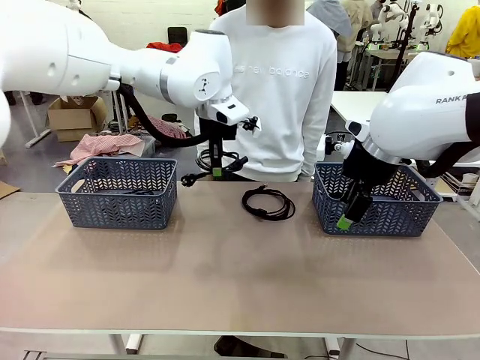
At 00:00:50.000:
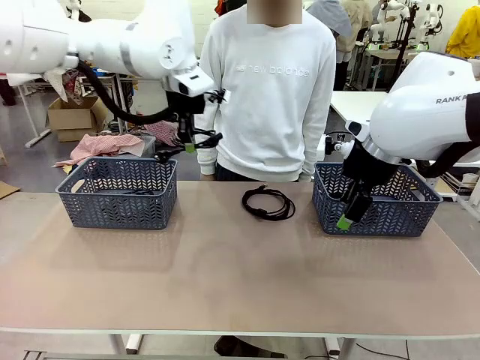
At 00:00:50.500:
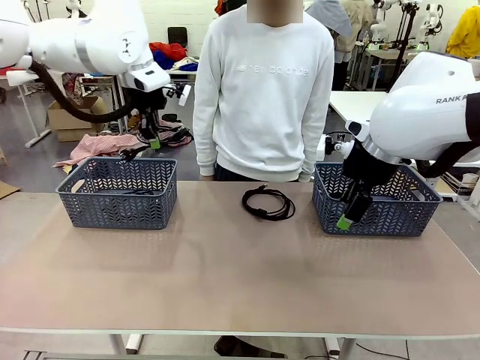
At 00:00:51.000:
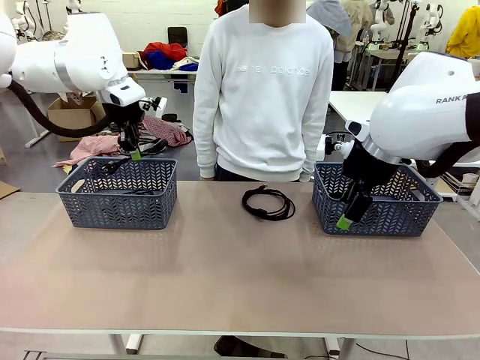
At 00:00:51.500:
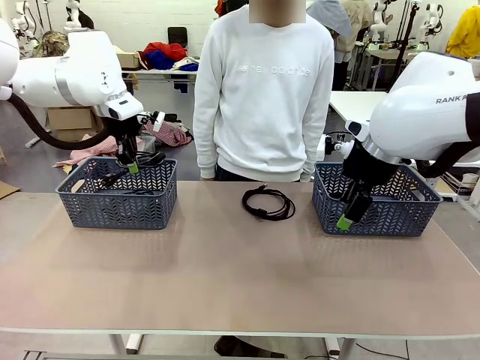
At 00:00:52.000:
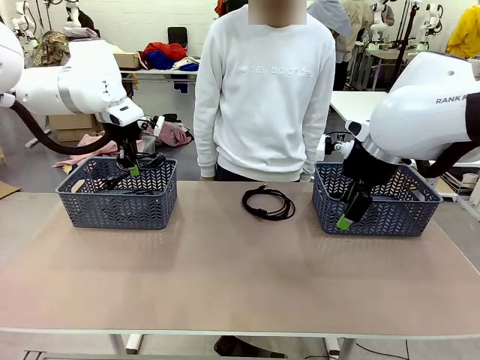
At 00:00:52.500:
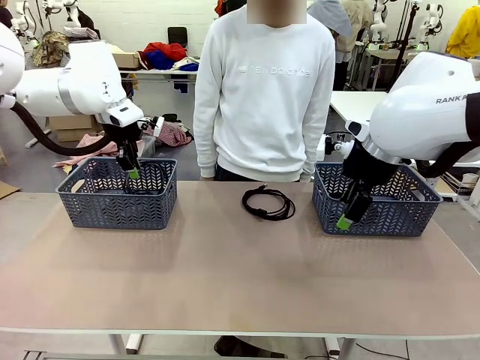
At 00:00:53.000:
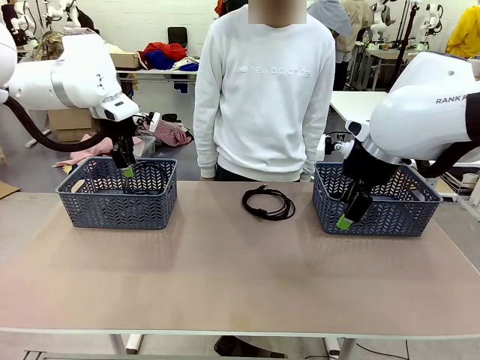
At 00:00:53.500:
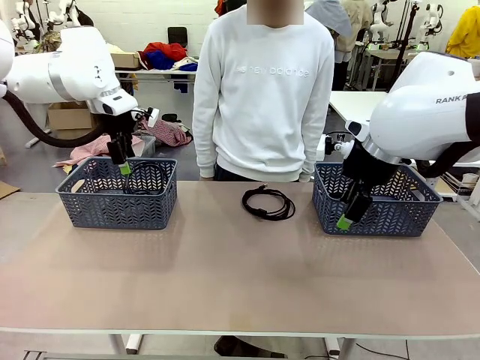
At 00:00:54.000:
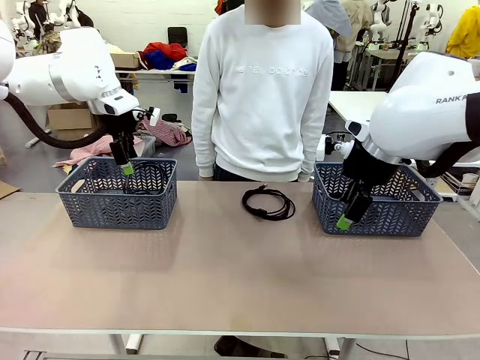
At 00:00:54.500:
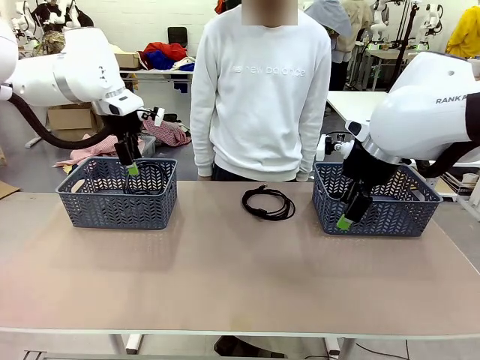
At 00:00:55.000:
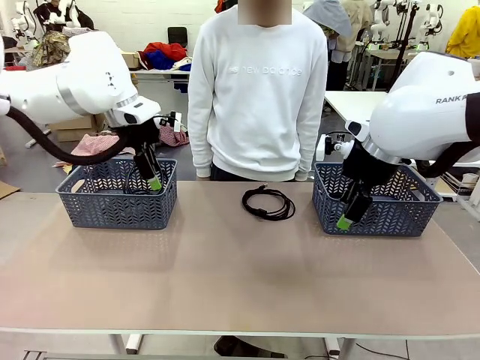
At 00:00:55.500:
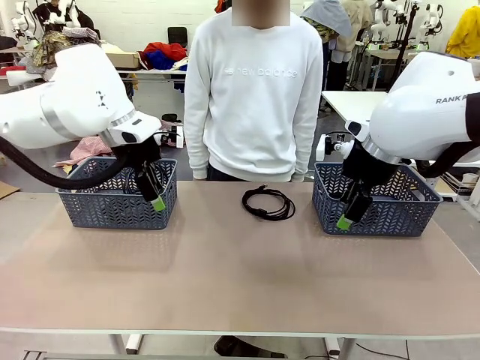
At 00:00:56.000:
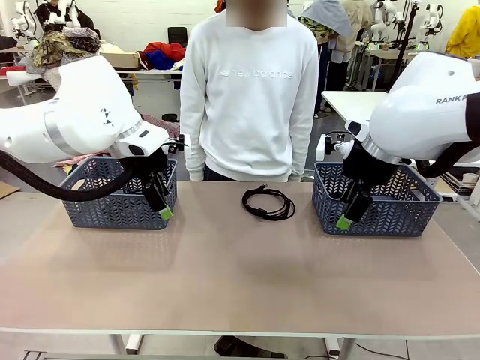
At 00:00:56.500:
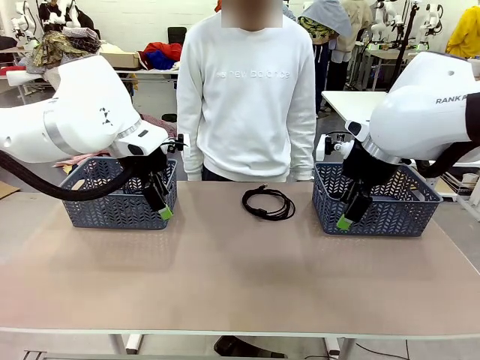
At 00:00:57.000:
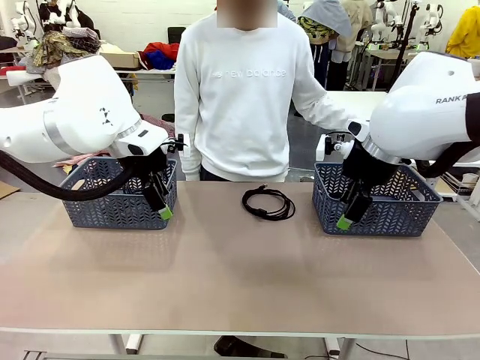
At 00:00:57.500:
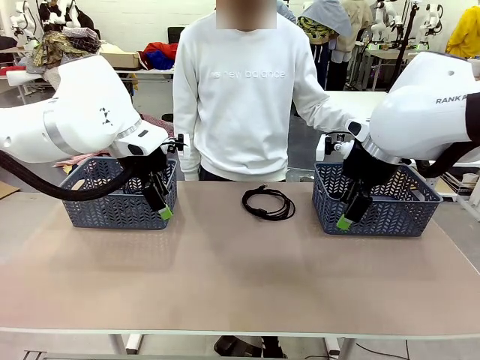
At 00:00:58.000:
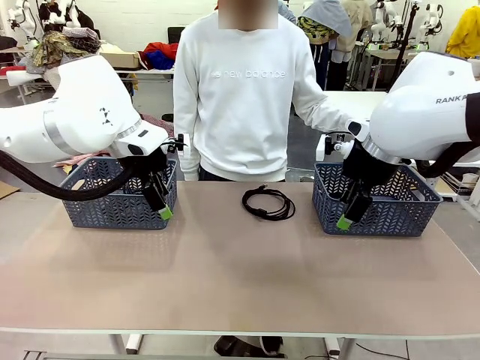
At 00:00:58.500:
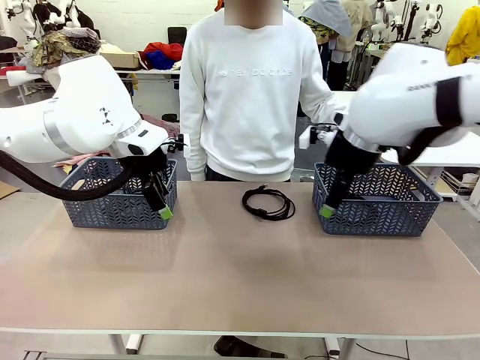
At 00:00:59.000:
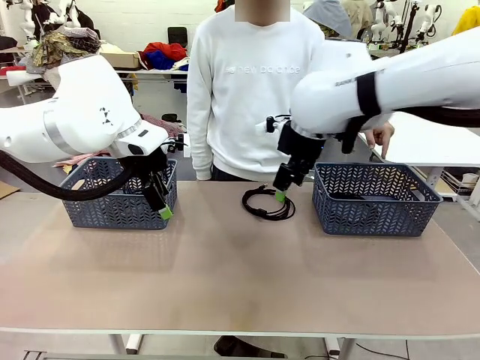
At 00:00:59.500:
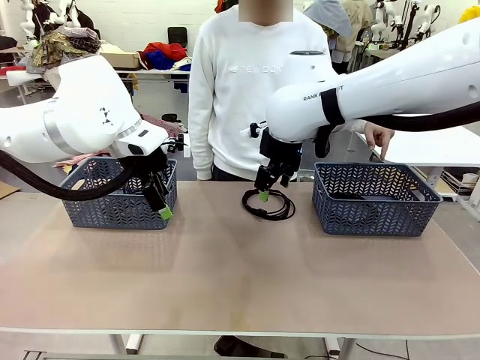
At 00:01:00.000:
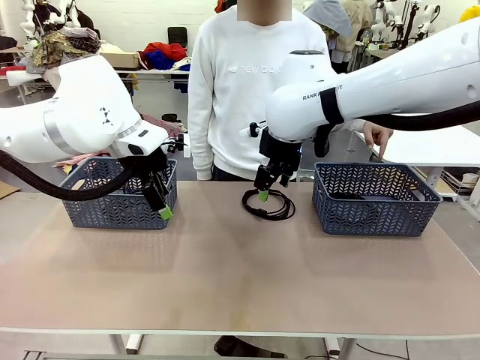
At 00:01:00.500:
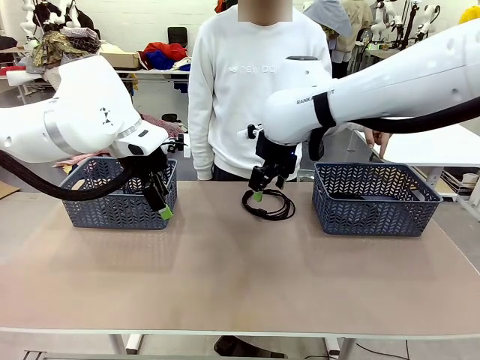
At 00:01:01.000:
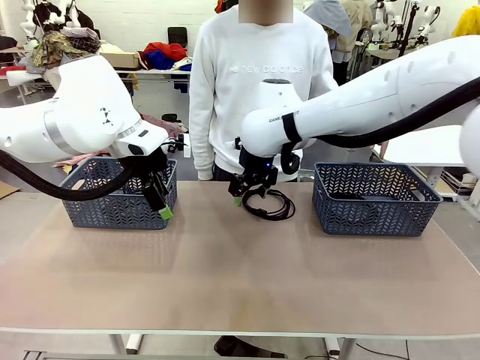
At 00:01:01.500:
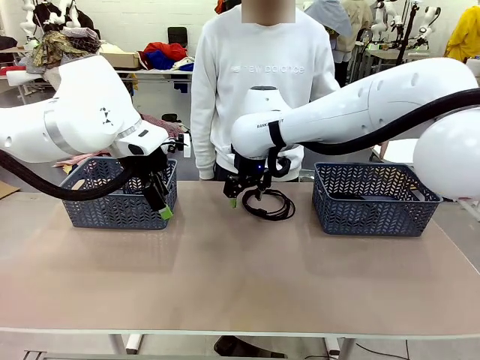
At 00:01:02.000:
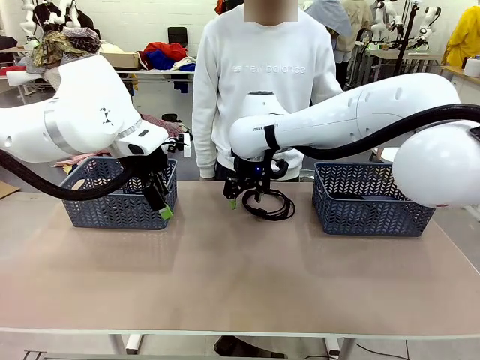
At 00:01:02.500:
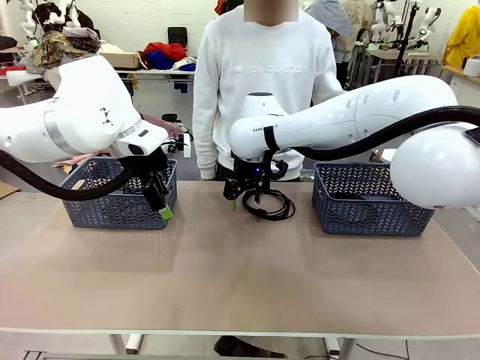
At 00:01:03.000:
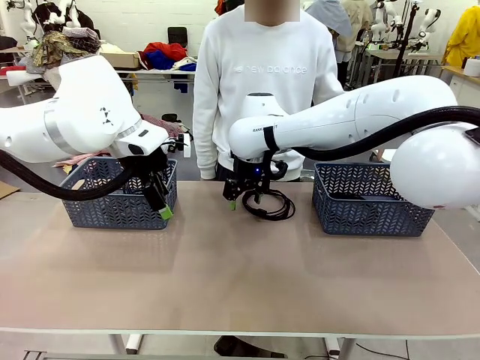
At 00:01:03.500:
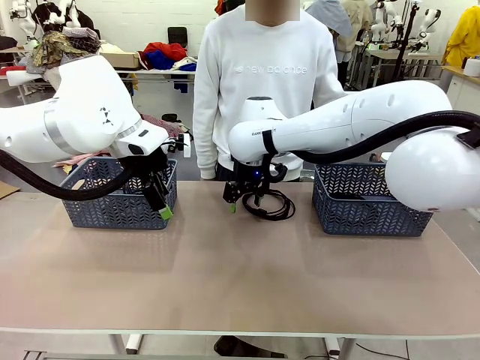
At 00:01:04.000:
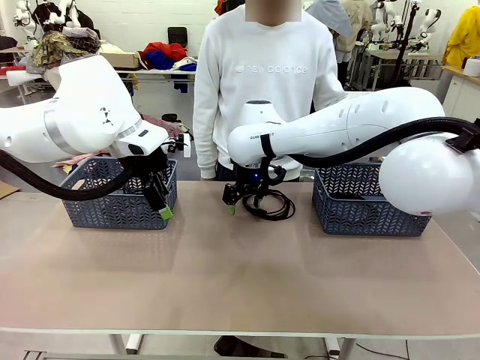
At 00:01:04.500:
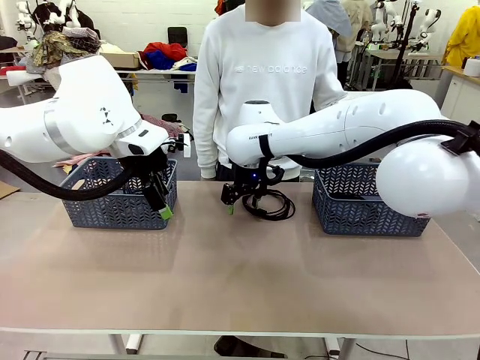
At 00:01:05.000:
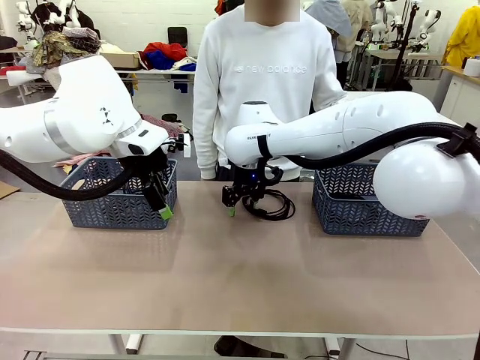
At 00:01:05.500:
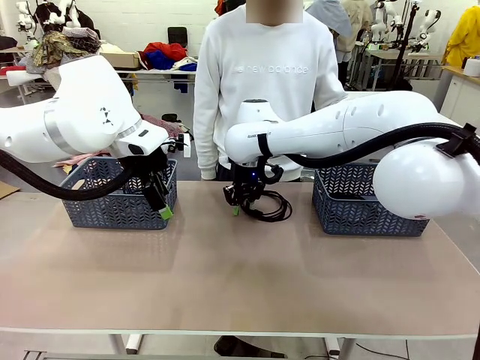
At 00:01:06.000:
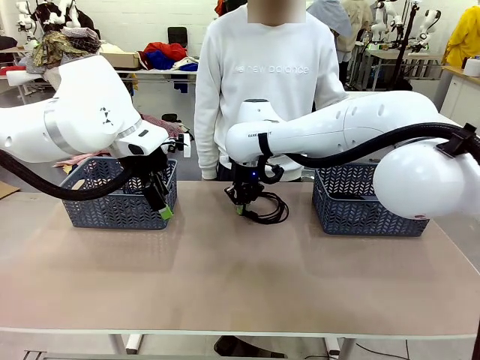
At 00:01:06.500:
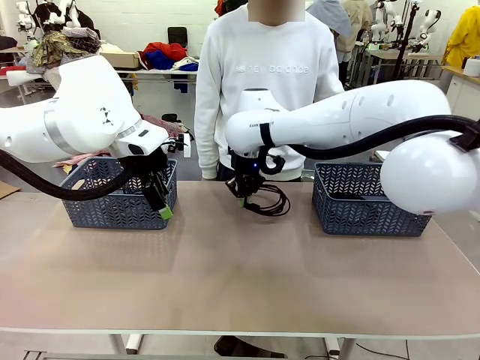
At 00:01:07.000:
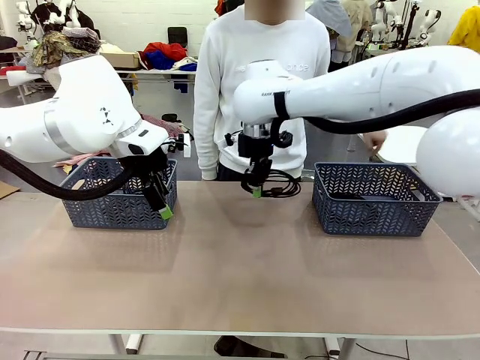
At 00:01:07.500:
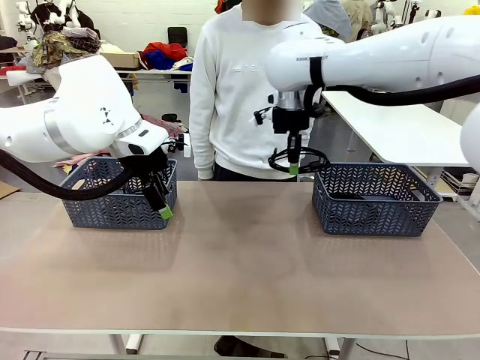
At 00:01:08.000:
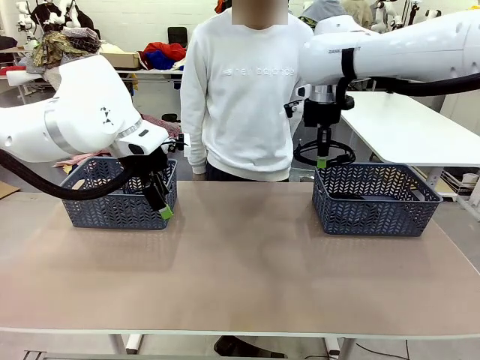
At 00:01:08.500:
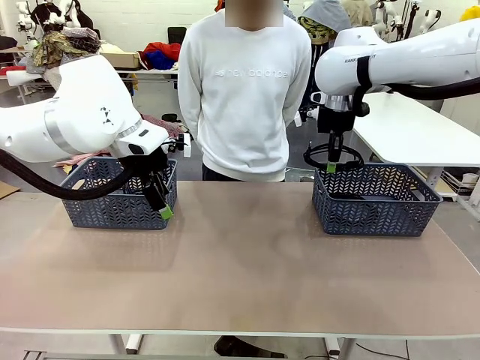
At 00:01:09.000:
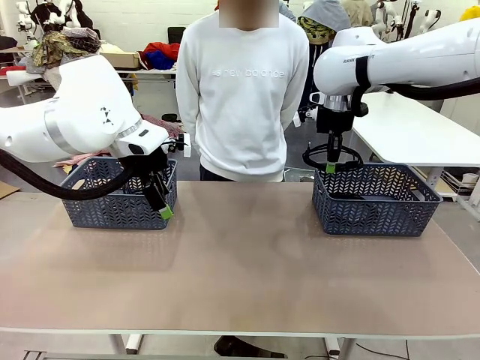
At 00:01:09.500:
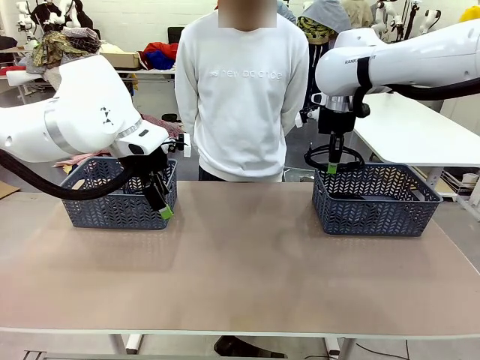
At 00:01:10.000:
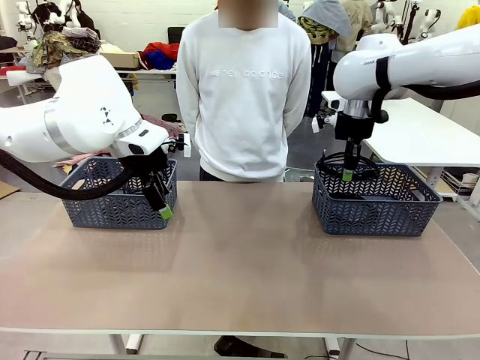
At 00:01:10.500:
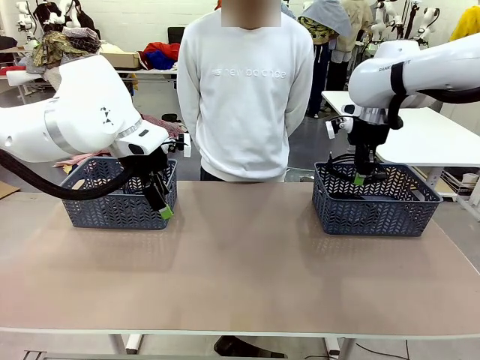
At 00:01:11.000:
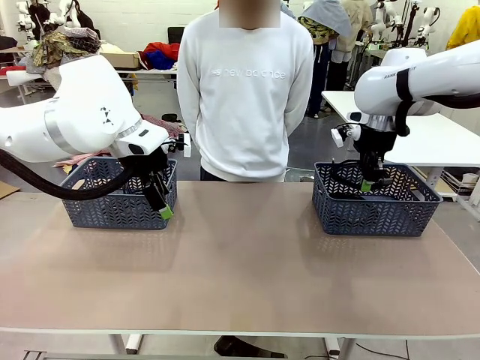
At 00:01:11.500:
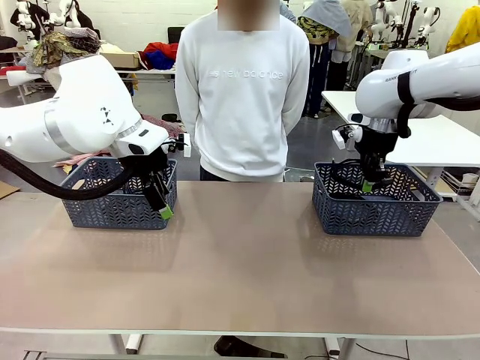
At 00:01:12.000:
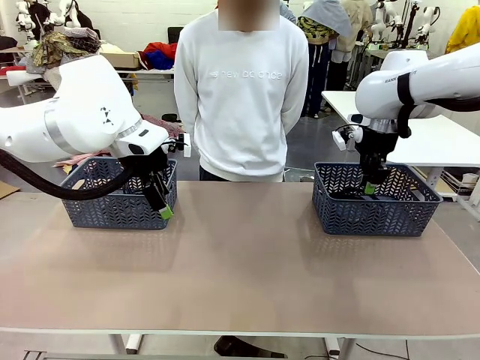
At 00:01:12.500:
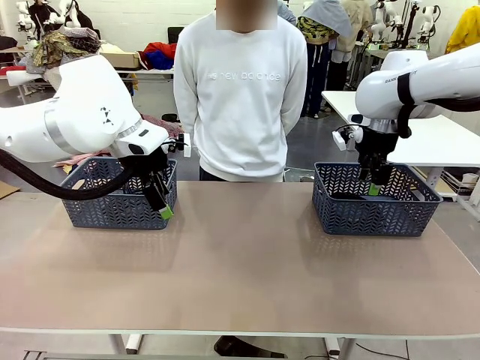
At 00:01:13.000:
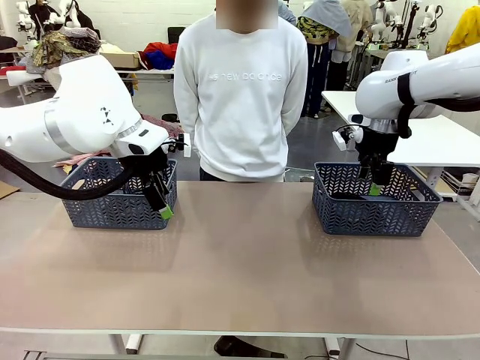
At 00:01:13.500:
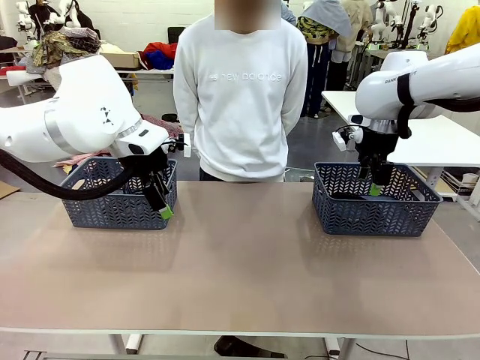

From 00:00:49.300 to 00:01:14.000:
Task: Organize the cables according to human instructions.
Robot: Pick up a bundle of cables and place it in the basket indicated by the human.
